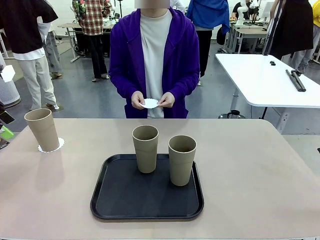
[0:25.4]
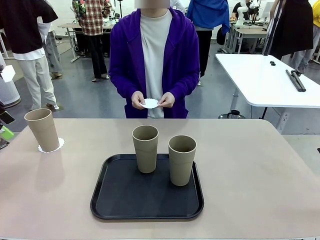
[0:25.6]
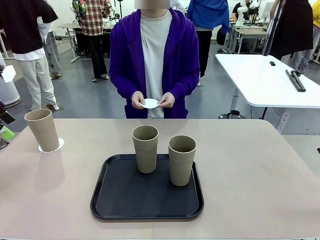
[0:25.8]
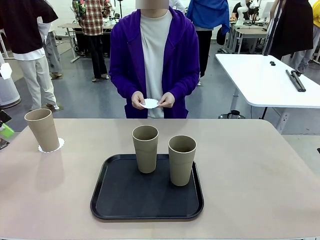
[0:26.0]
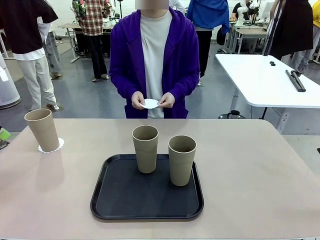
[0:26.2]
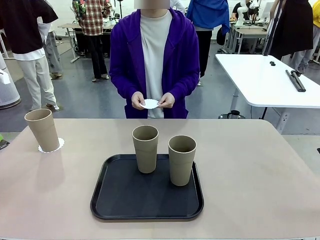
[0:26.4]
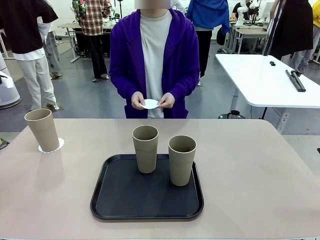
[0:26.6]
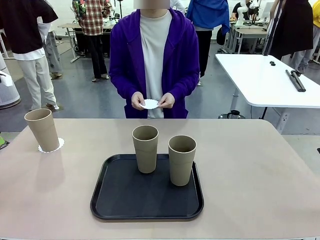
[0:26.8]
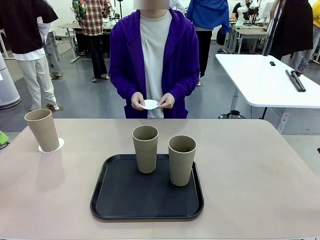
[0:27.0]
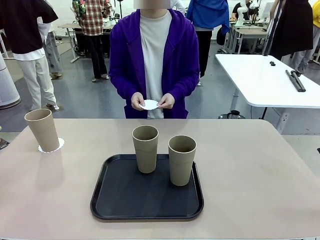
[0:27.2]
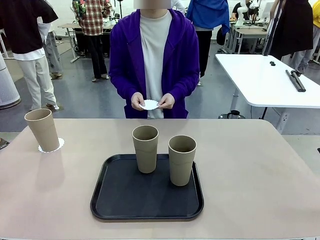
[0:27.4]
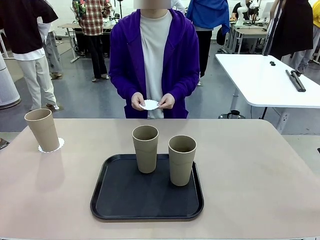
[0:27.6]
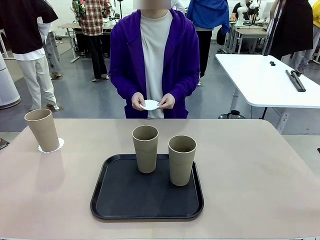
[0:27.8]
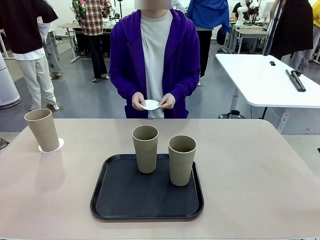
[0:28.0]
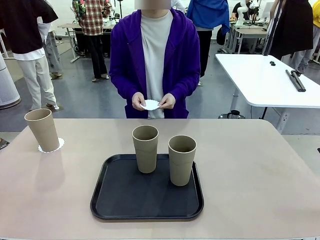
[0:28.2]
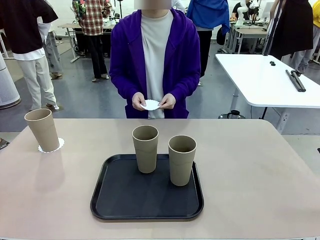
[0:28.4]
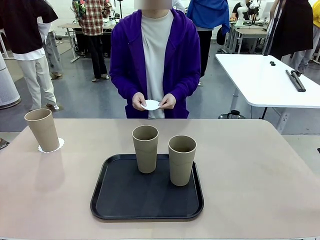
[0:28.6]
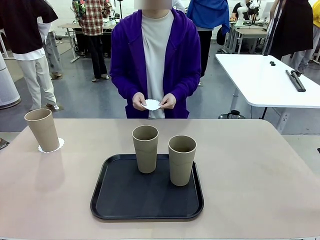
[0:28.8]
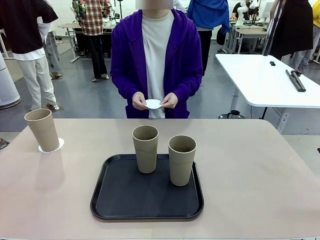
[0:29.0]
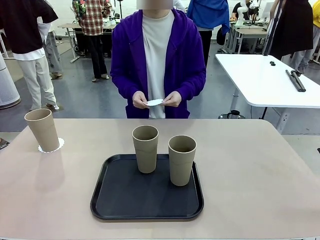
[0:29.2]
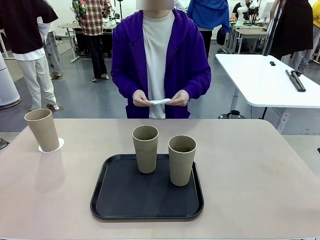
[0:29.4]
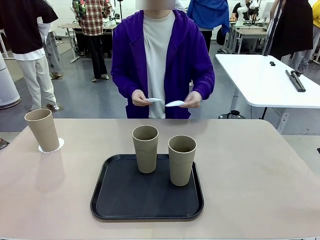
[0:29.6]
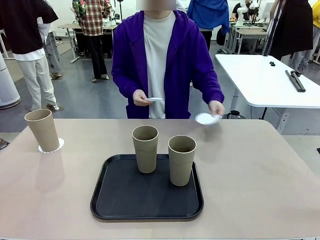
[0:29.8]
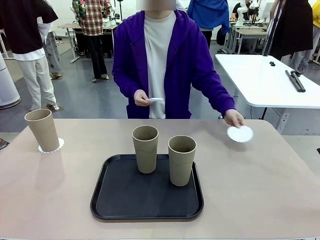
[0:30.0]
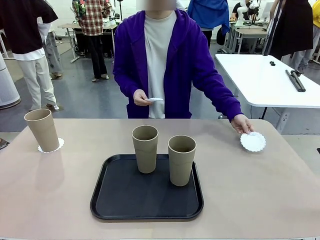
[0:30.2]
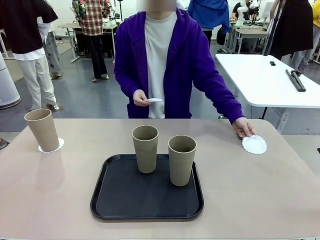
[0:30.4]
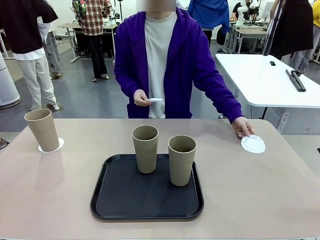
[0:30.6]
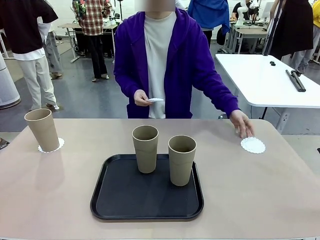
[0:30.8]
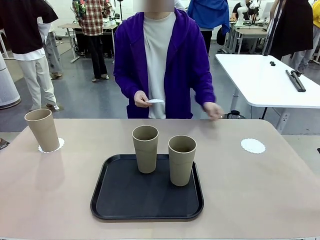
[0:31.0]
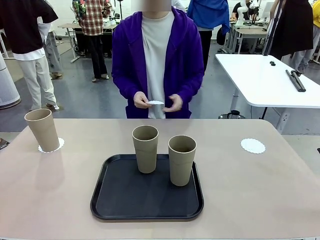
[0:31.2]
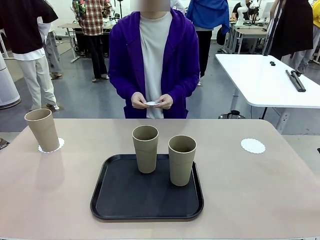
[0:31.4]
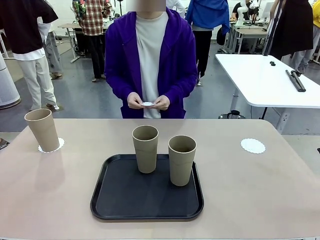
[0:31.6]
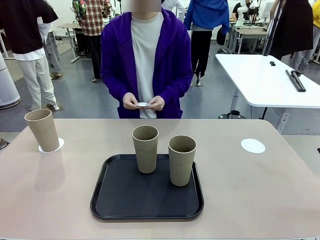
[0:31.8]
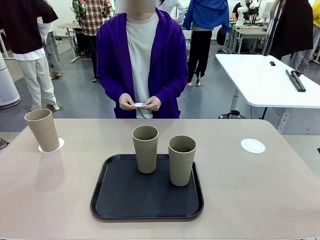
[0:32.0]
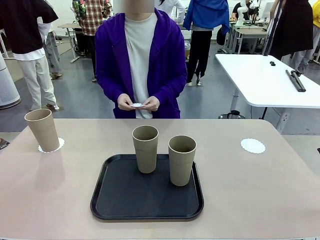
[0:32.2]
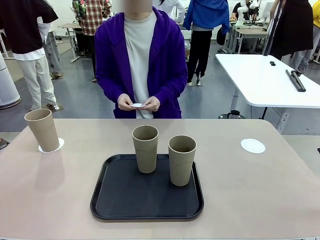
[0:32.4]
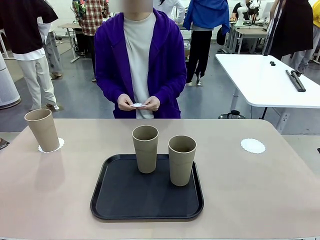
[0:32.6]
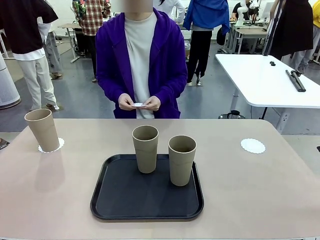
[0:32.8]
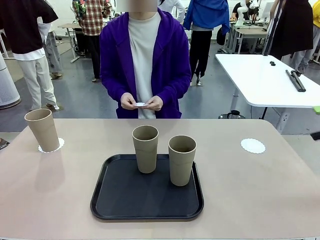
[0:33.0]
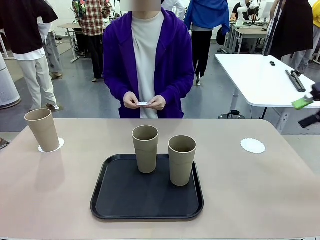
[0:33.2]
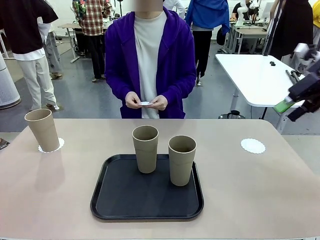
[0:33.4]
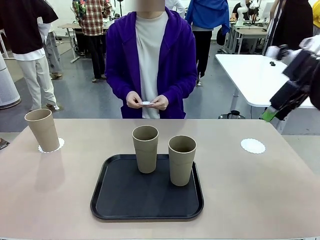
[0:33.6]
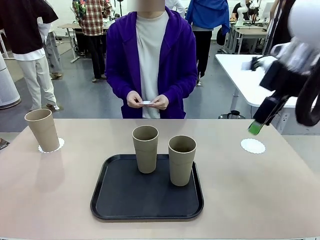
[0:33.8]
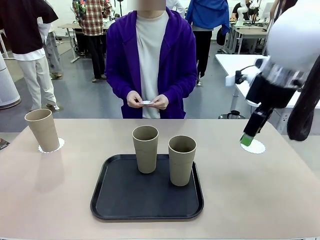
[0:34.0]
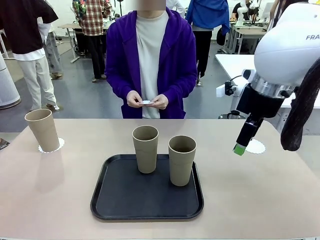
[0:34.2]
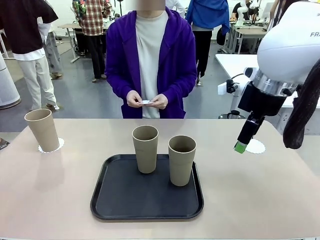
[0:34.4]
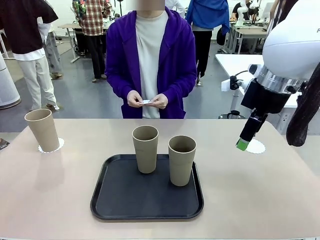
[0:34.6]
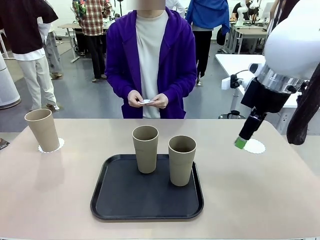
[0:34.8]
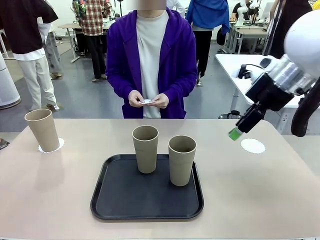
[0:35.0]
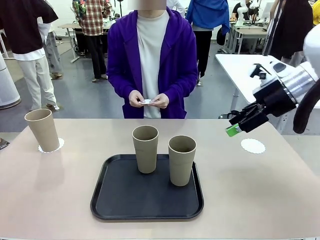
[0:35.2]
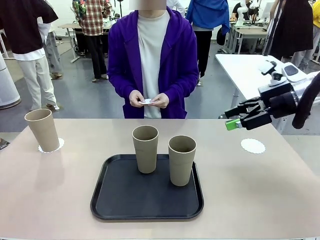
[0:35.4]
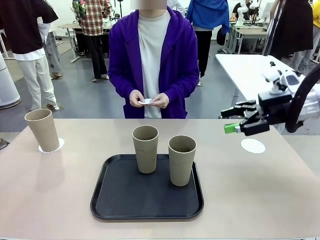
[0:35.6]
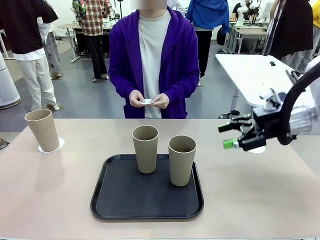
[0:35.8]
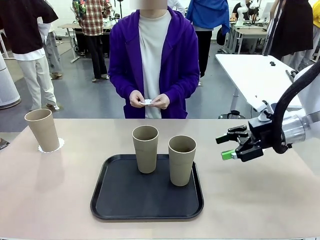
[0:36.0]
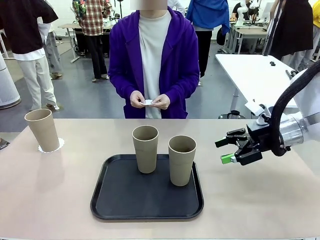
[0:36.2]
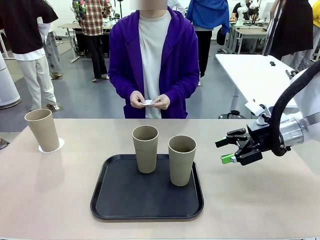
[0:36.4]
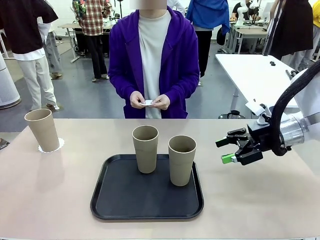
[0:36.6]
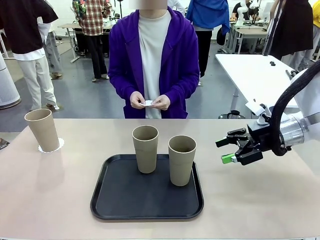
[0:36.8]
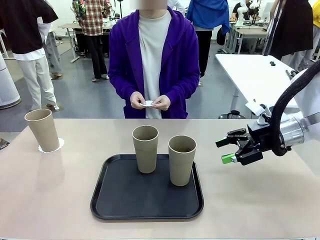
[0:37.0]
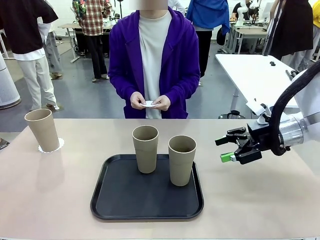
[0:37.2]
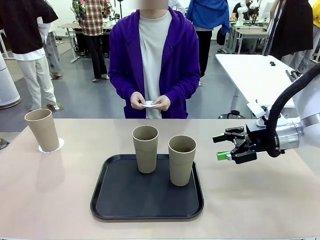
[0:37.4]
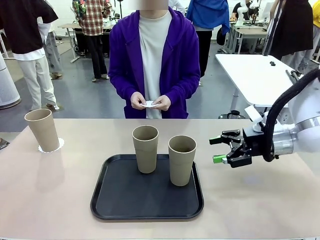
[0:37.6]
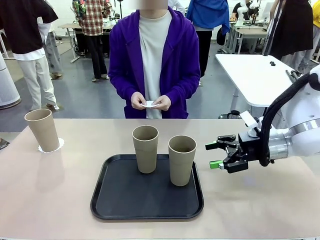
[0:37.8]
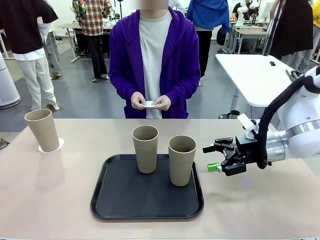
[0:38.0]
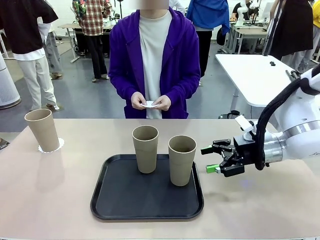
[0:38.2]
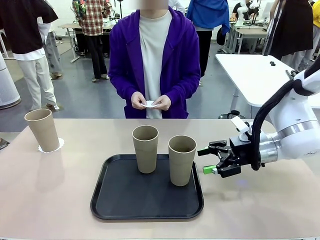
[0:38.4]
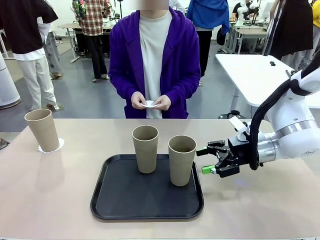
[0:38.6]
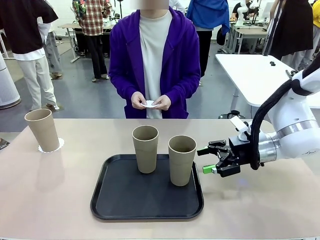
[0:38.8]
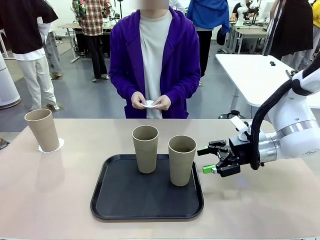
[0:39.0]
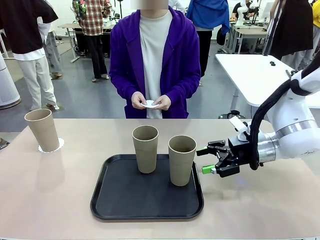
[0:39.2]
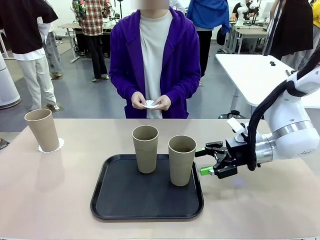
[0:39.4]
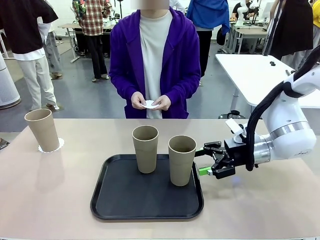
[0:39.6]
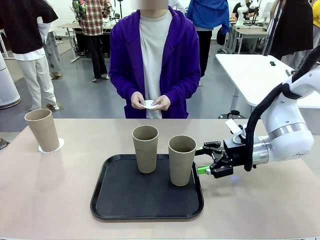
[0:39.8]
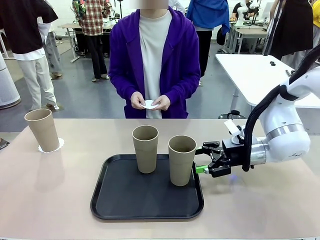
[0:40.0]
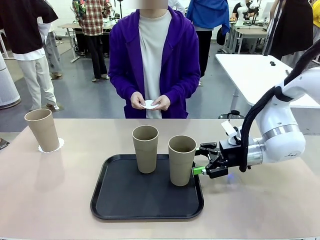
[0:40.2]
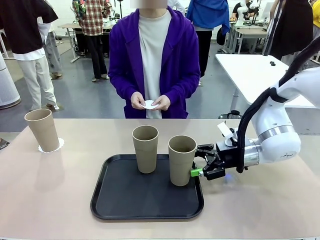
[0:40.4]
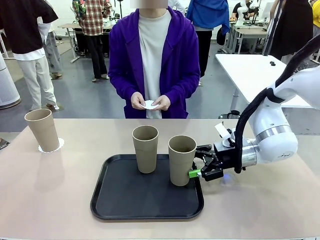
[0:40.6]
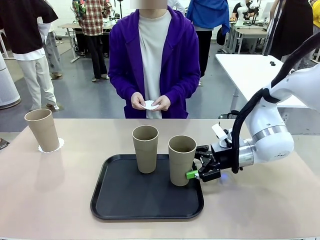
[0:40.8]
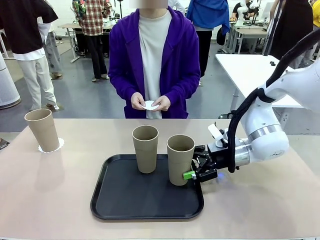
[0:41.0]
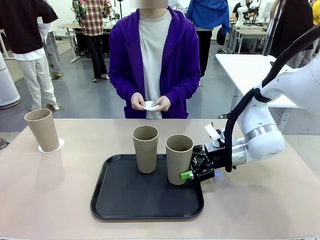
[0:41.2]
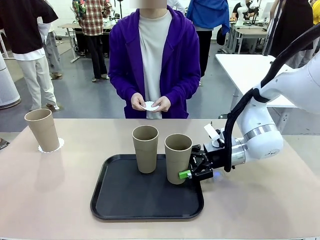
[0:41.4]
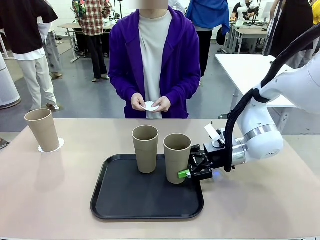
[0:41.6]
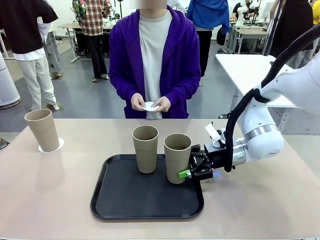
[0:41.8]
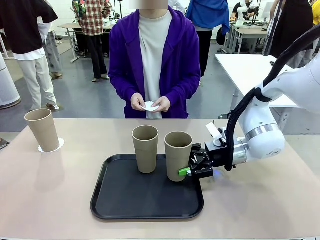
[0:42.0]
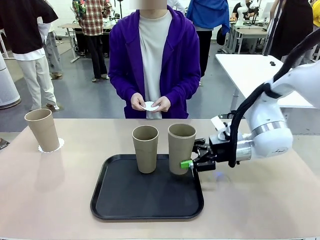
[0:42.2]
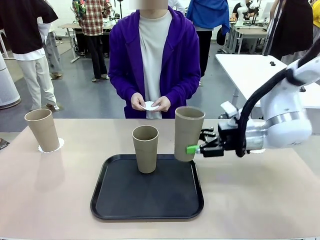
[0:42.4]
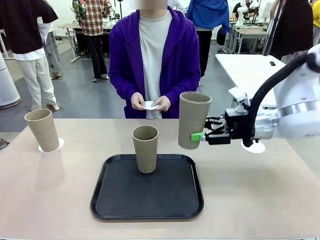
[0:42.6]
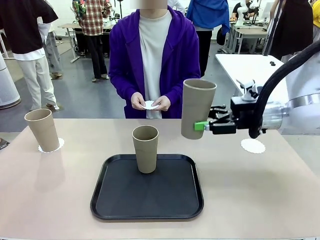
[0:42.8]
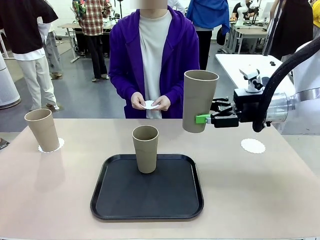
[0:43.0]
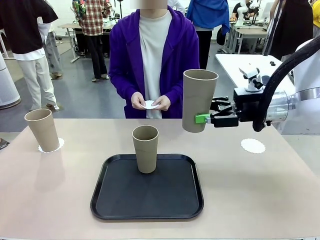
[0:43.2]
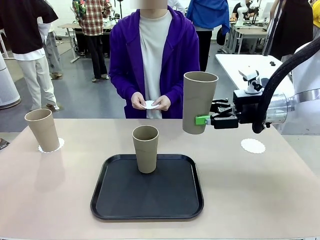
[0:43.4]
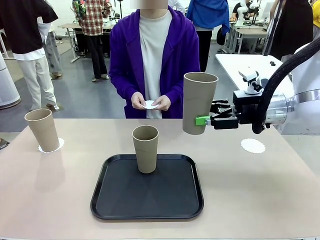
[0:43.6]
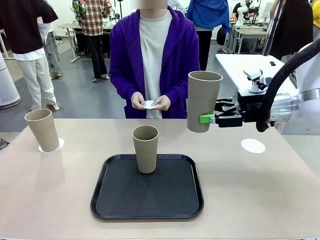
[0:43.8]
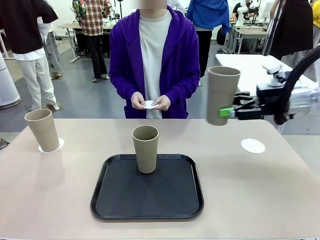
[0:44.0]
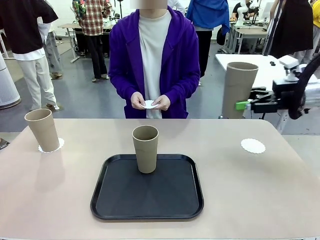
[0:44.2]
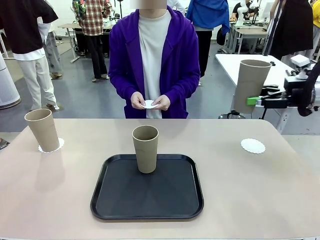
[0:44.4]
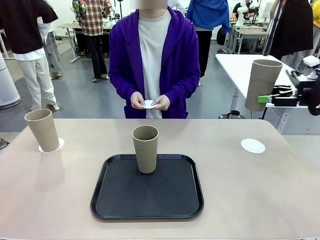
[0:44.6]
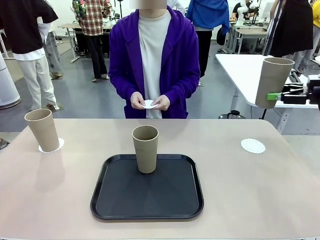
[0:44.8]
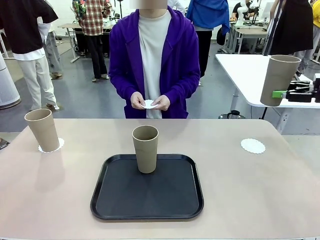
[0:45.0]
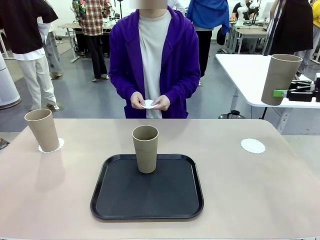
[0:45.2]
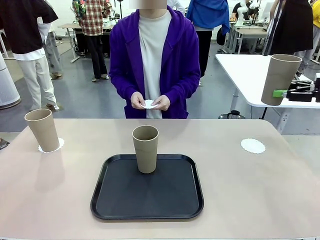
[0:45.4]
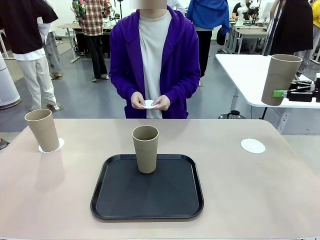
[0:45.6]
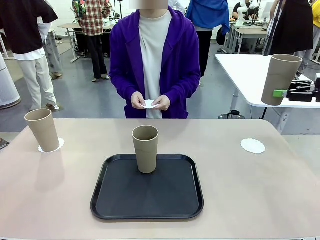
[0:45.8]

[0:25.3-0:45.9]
Task: Place coasters on the table and set cups on them.
Robot: Take one Reusable plastic cup from the Flat Tray and place it on a coaster set by the human.
